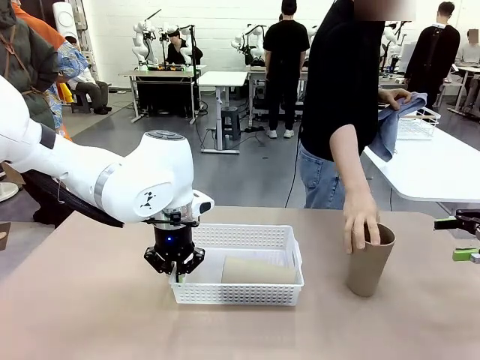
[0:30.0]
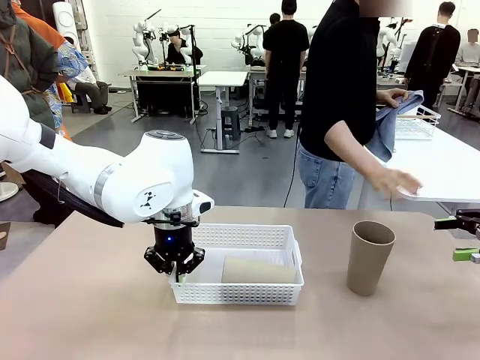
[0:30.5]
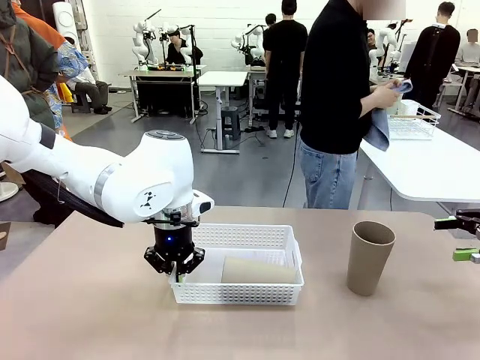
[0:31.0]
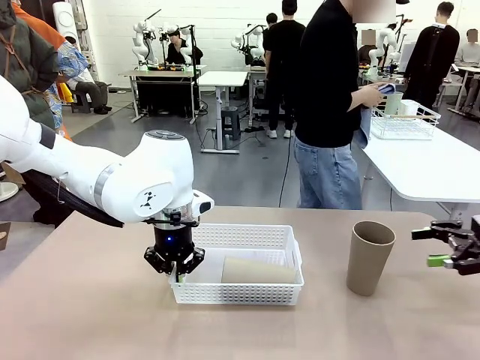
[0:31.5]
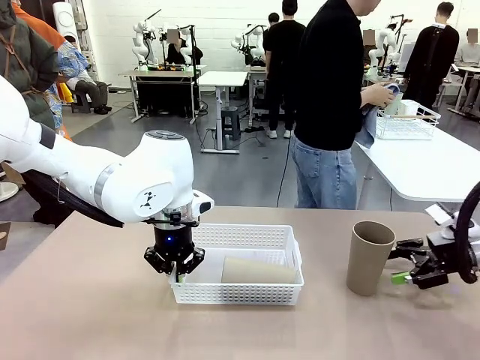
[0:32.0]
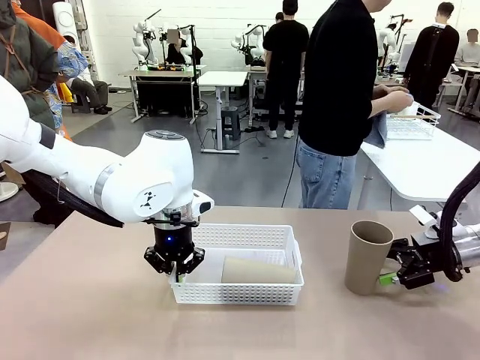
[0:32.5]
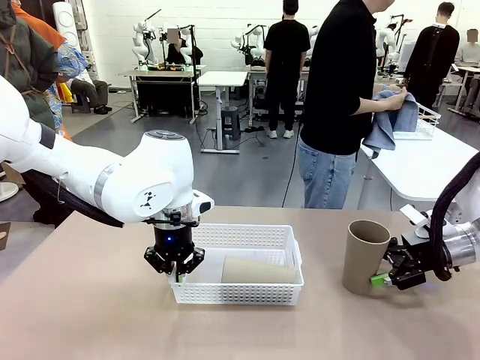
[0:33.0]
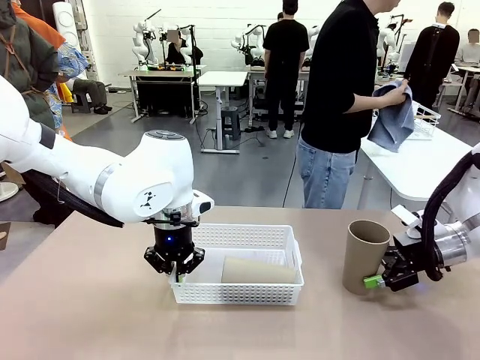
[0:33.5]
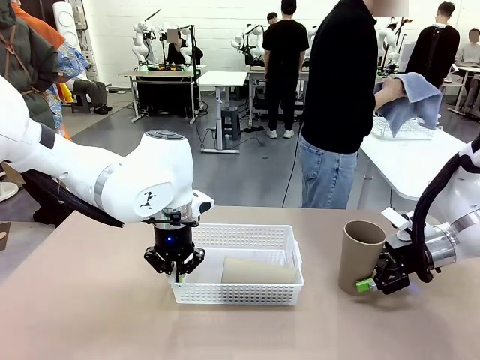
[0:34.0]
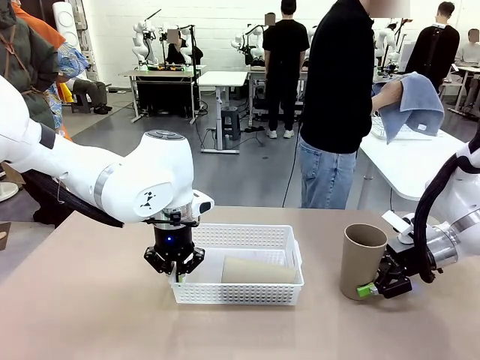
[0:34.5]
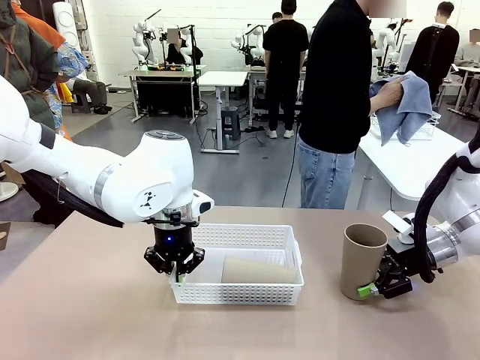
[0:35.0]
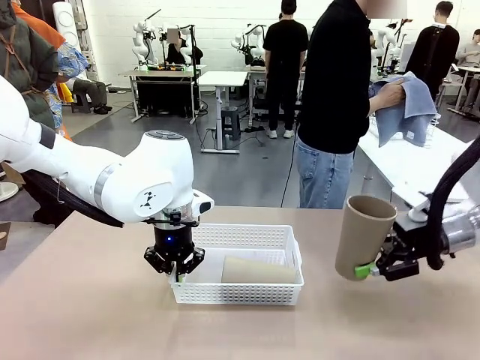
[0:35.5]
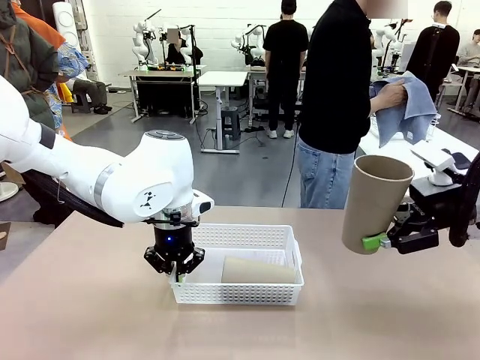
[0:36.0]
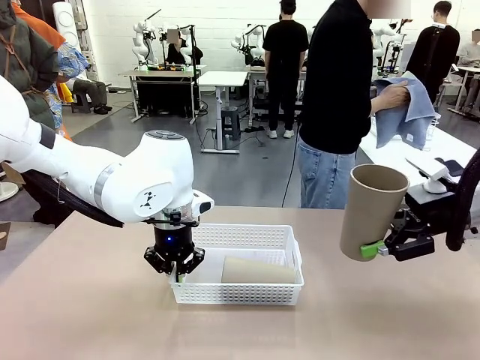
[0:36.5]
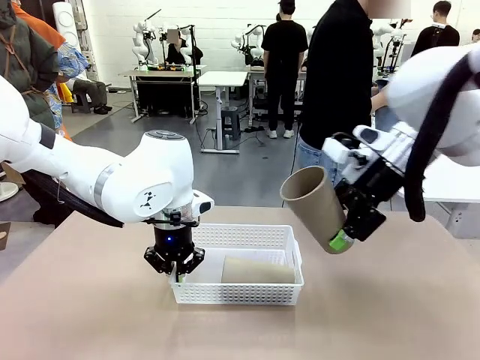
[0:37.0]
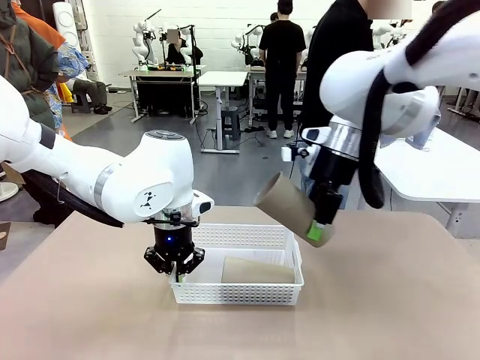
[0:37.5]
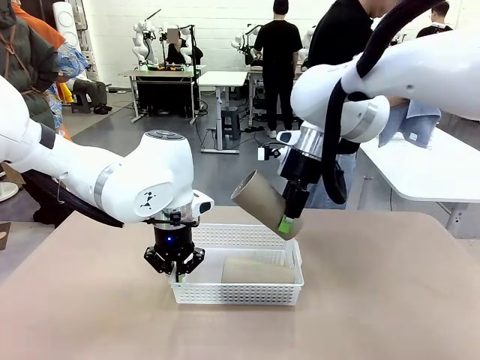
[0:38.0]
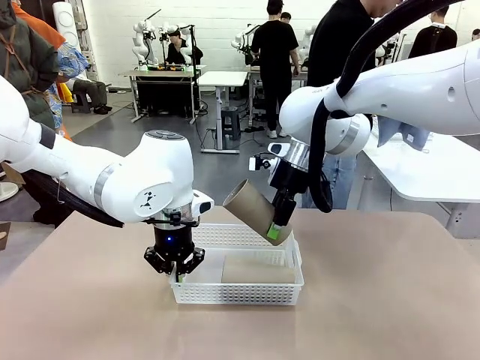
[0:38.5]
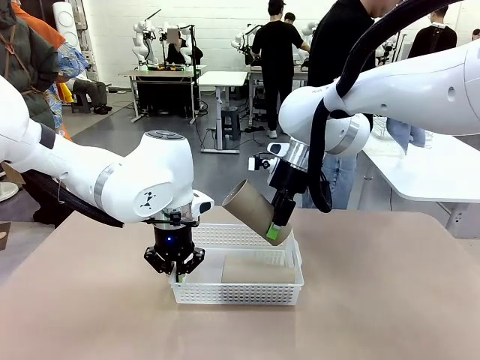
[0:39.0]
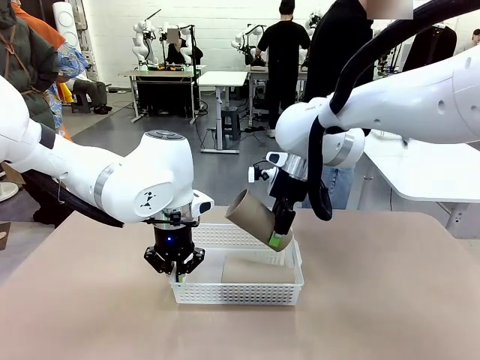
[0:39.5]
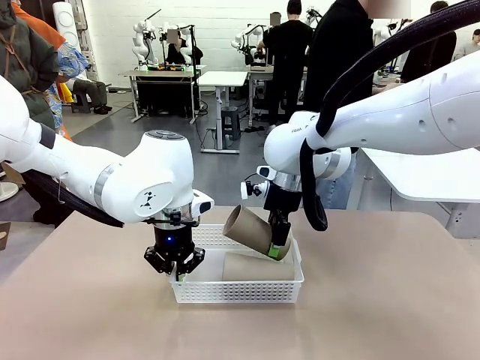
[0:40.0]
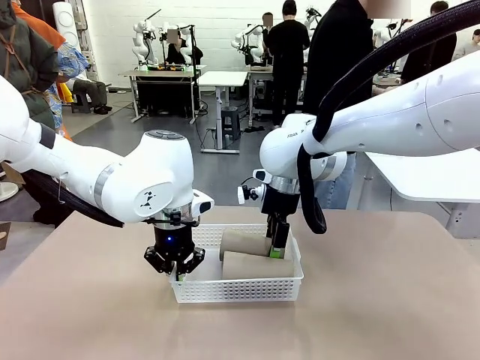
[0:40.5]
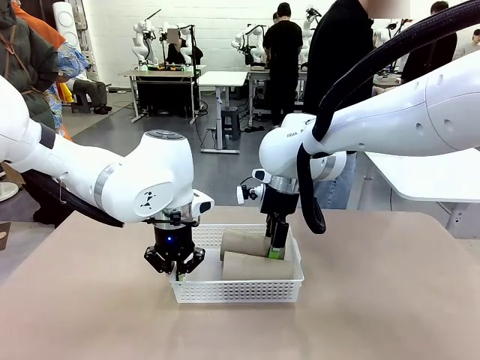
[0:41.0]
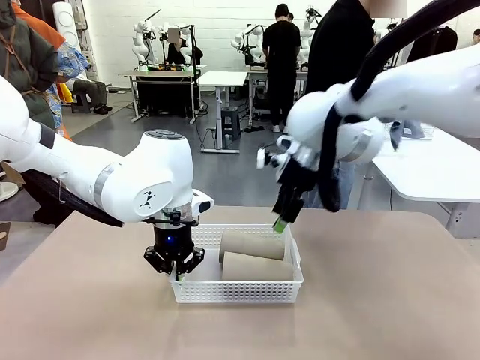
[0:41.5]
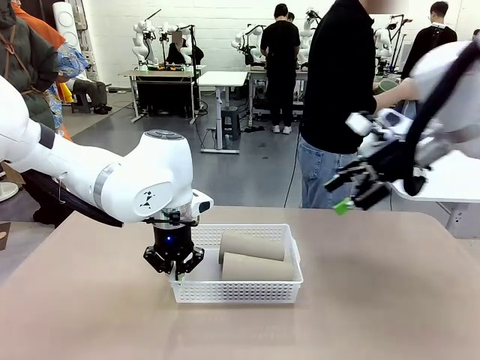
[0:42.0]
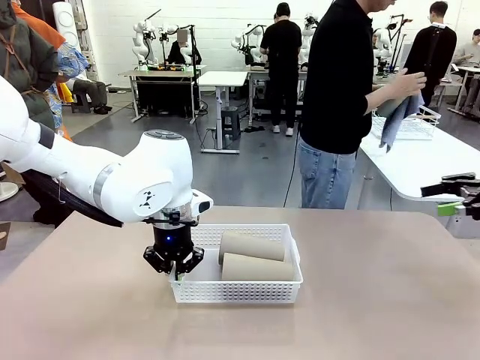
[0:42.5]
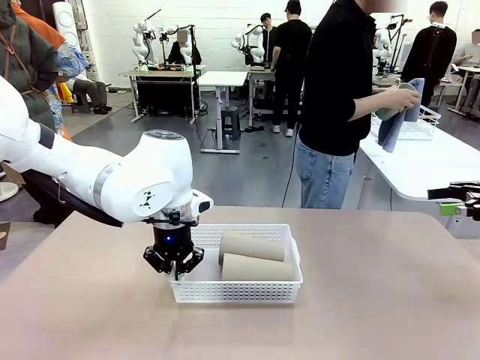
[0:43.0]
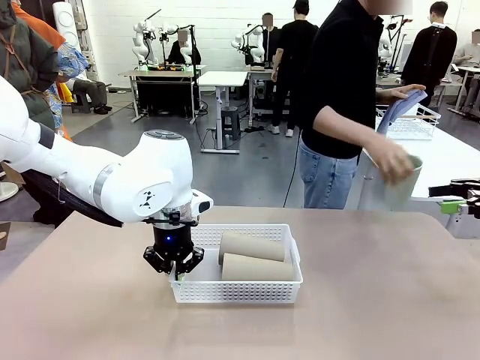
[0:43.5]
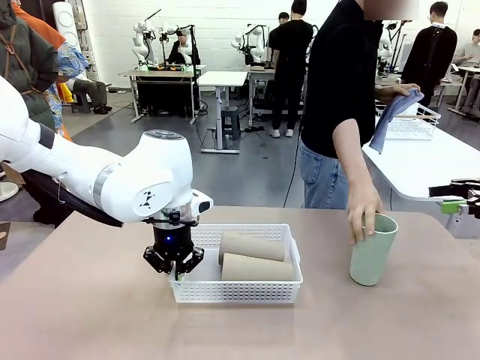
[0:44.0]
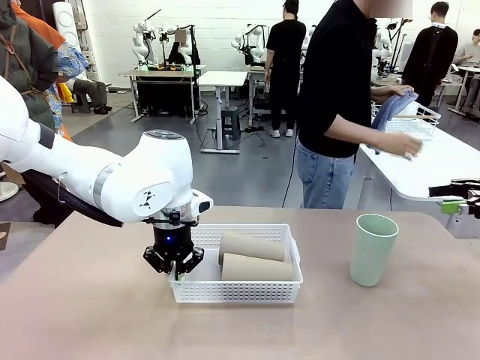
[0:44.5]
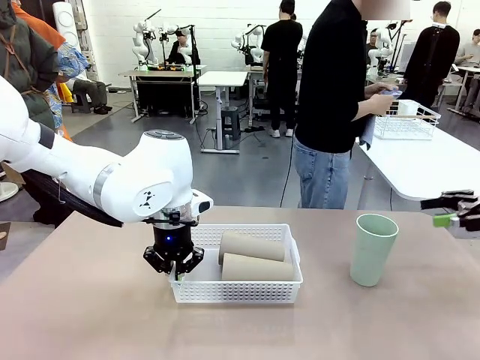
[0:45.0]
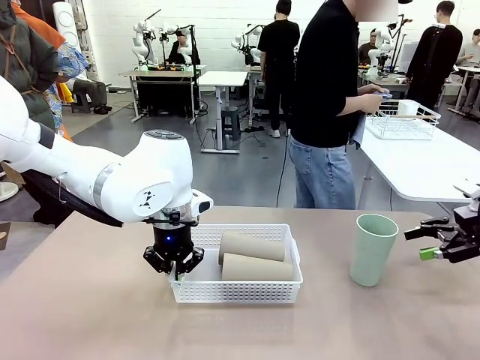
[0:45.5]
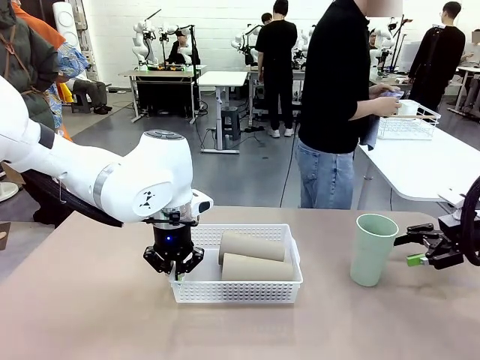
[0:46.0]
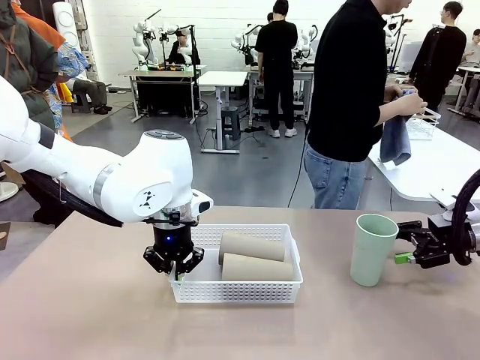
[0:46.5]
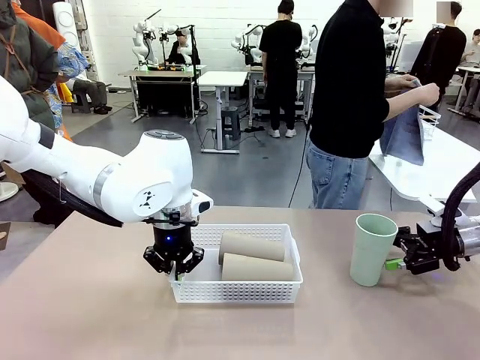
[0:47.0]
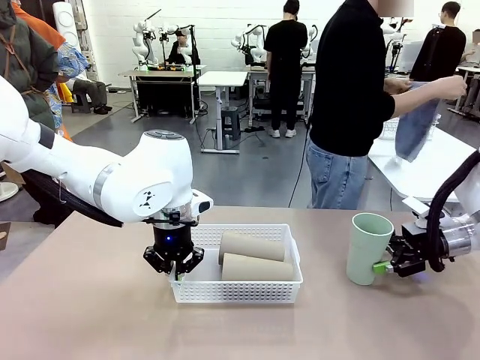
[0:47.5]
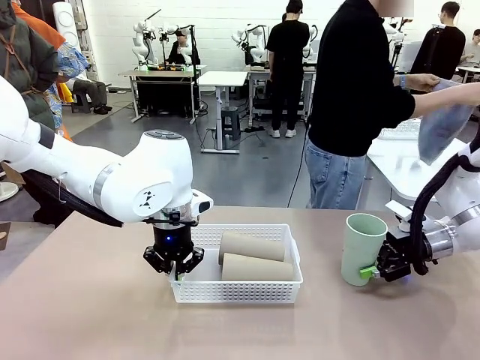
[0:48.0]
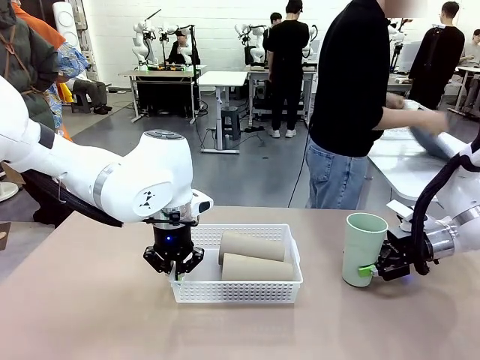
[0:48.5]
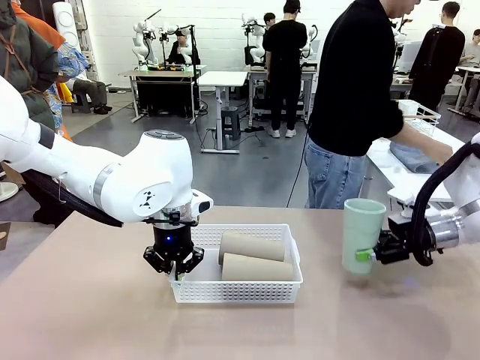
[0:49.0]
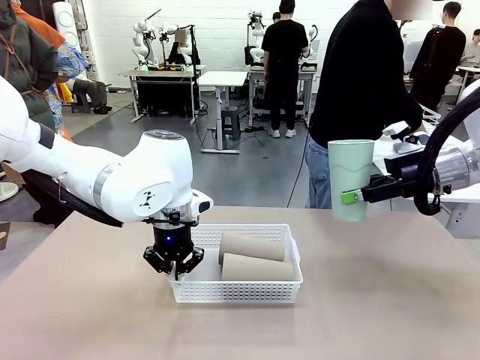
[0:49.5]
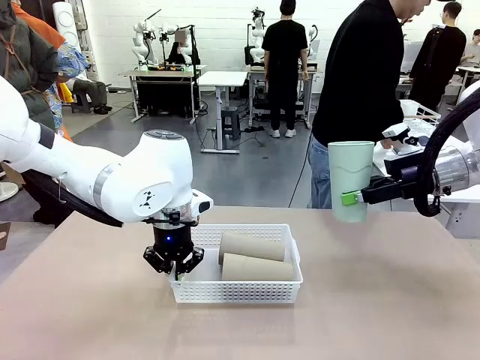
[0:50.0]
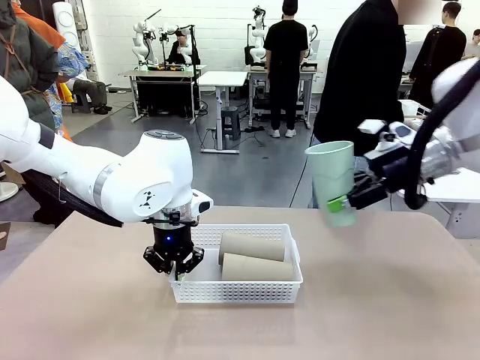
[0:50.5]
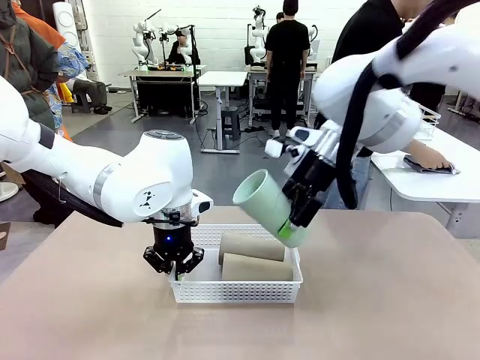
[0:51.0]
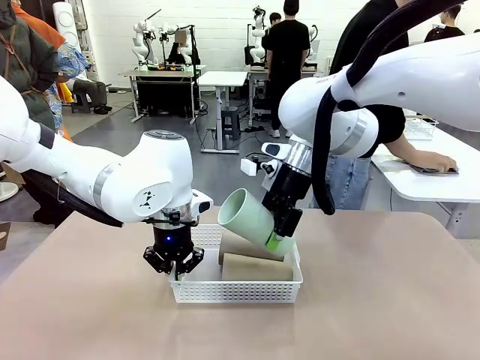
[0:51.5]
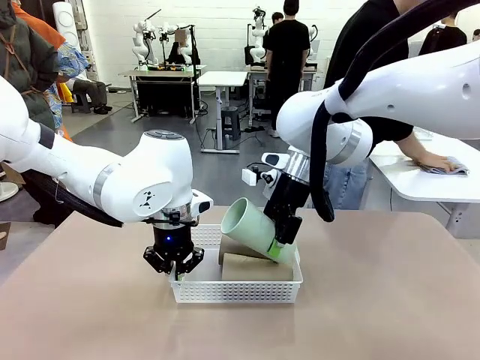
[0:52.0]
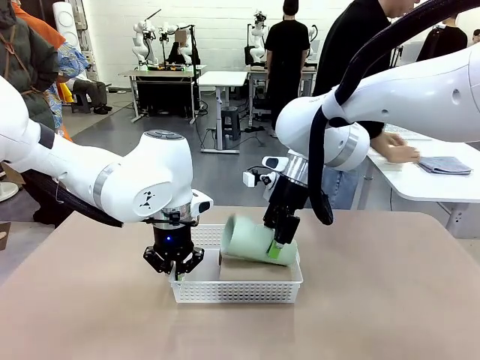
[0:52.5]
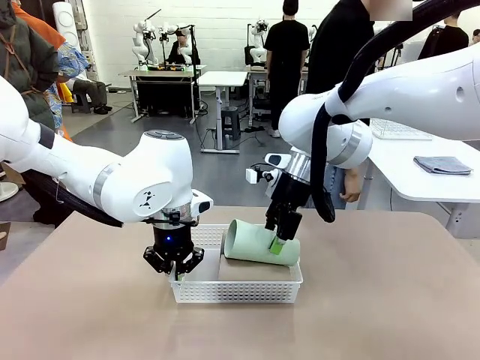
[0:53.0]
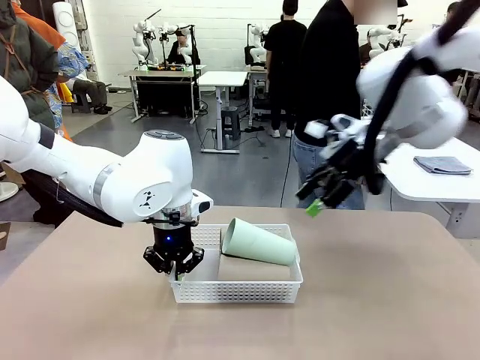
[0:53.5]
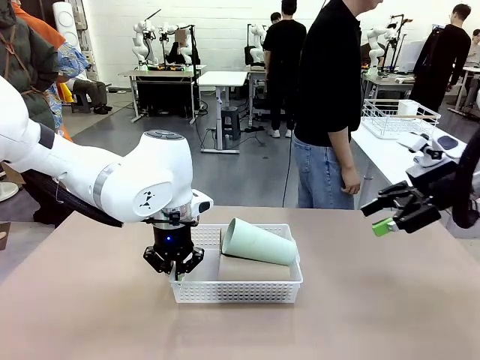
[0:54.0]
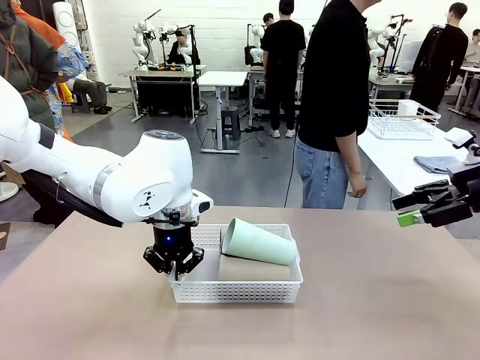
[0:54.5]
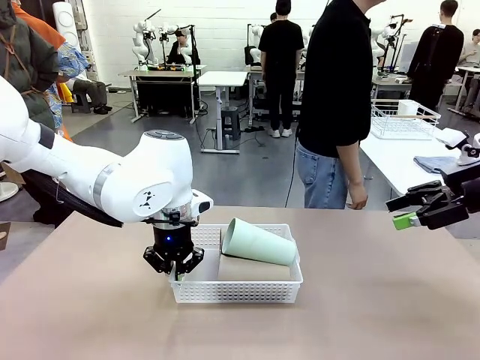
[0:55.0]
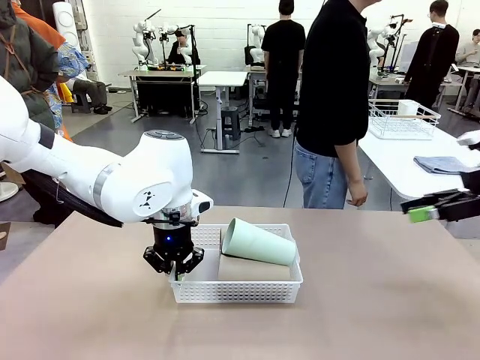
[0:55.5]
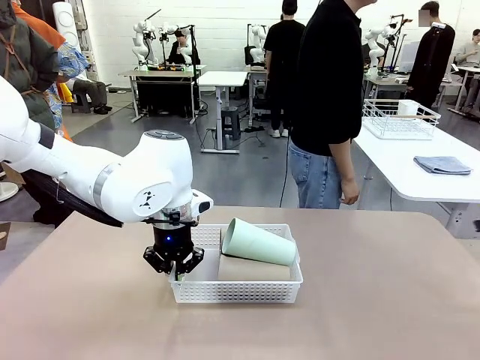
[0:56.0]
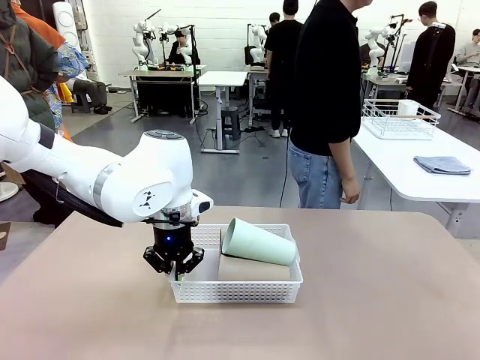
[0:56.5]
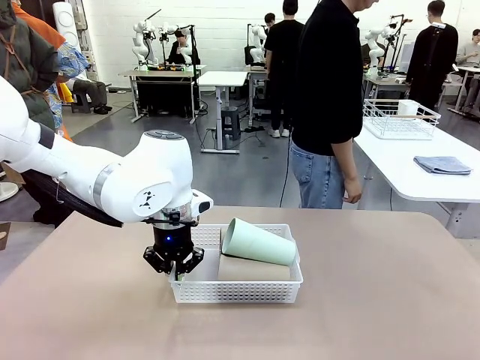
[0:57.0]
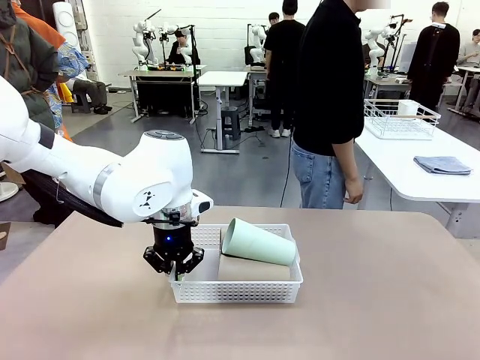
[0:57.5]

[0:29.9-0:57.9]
Task: Clean and organize the cups into the basket.
Robot: Pick up the Reusable plastic cup from the right side of the table and stack it inside the Organizing basket in the center of the table.
Person: Folds the towel in half twice and places it in the right of the table.
